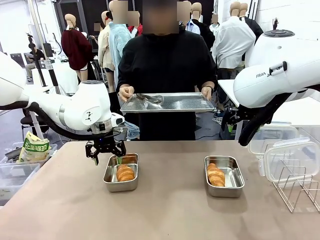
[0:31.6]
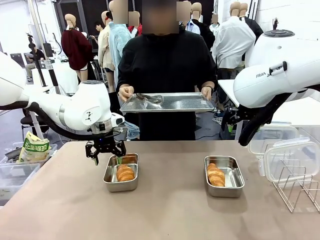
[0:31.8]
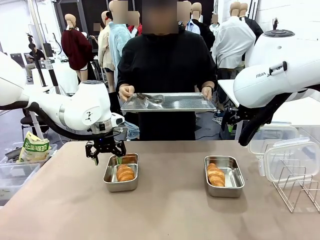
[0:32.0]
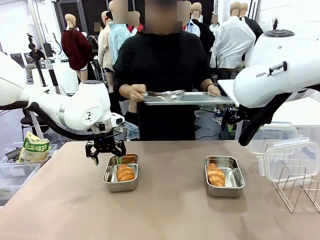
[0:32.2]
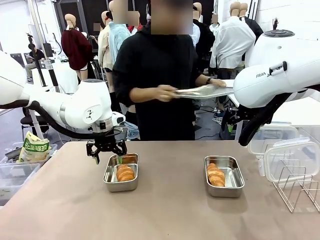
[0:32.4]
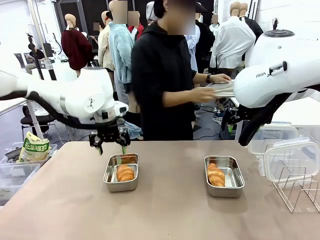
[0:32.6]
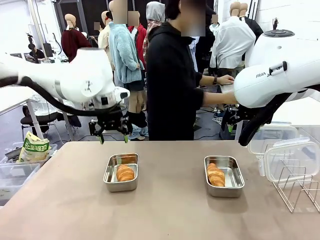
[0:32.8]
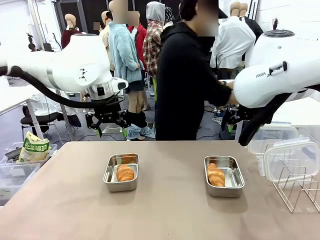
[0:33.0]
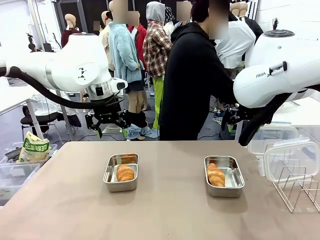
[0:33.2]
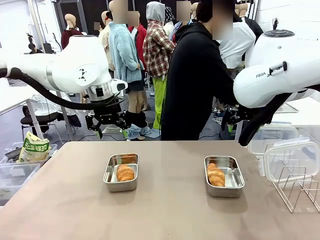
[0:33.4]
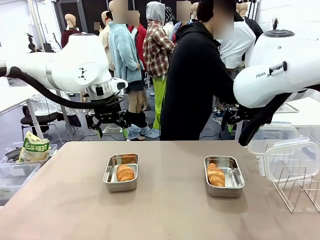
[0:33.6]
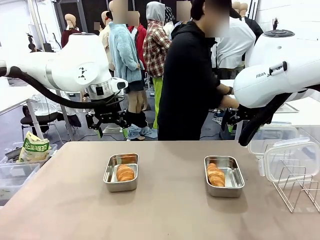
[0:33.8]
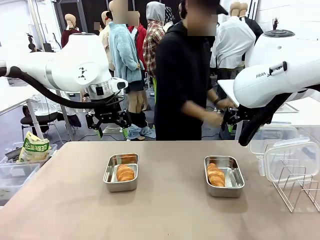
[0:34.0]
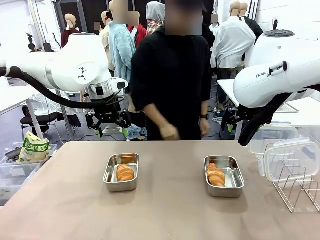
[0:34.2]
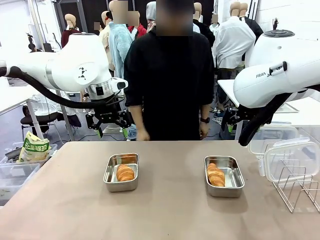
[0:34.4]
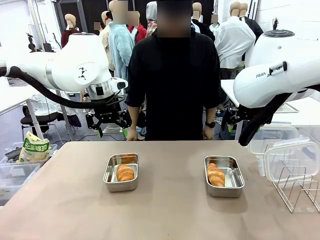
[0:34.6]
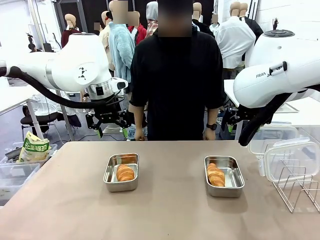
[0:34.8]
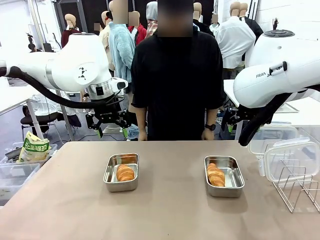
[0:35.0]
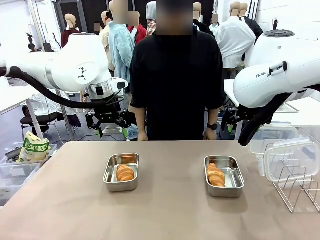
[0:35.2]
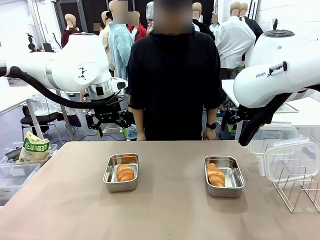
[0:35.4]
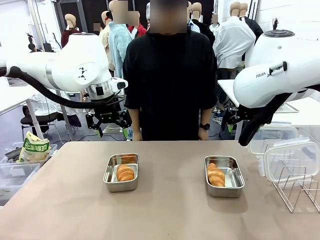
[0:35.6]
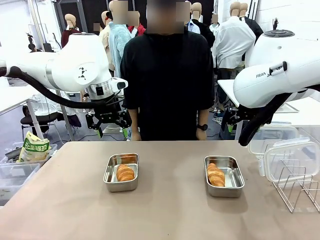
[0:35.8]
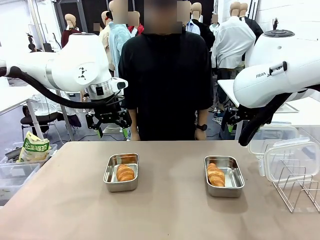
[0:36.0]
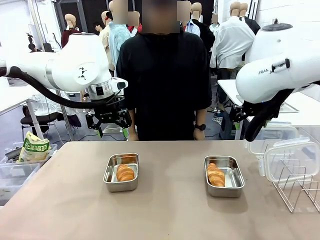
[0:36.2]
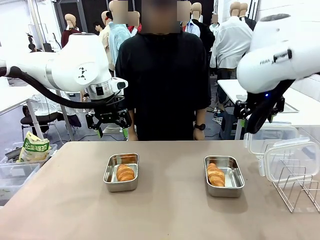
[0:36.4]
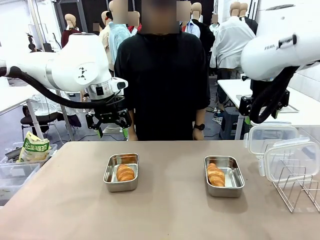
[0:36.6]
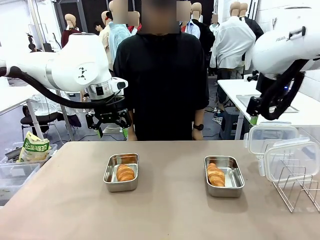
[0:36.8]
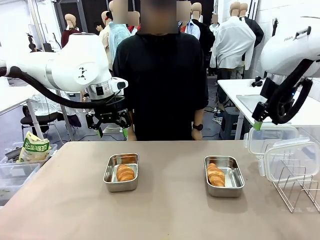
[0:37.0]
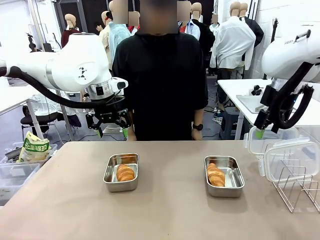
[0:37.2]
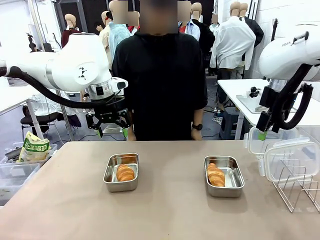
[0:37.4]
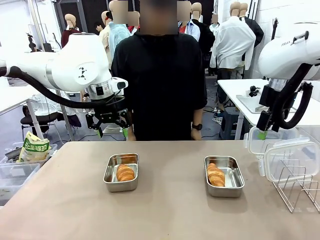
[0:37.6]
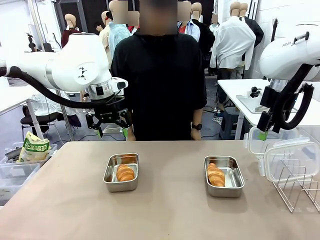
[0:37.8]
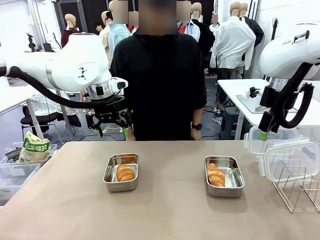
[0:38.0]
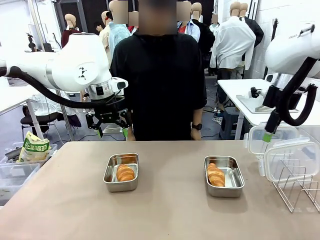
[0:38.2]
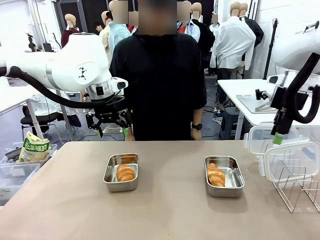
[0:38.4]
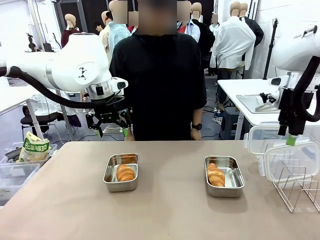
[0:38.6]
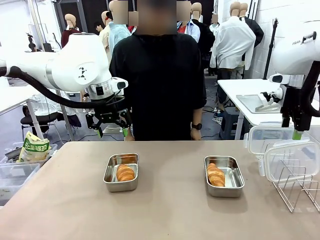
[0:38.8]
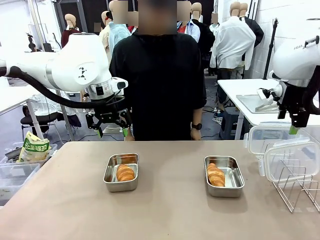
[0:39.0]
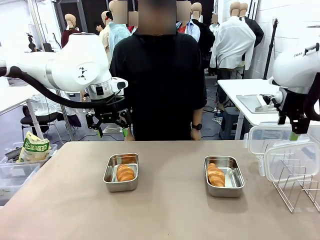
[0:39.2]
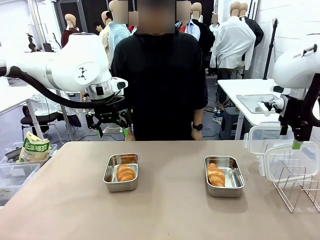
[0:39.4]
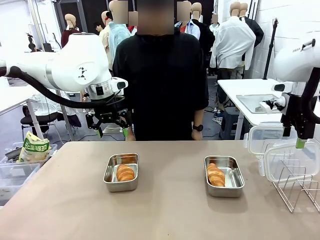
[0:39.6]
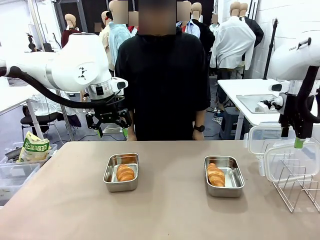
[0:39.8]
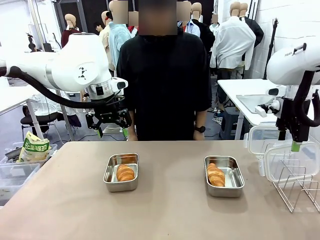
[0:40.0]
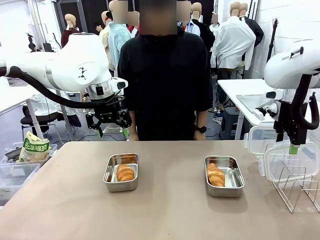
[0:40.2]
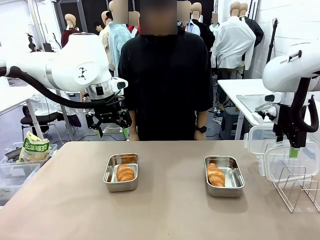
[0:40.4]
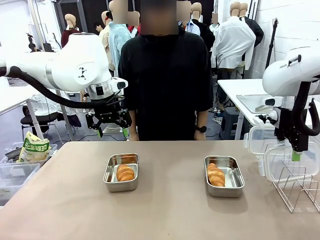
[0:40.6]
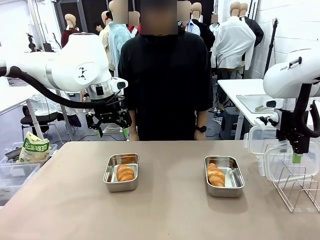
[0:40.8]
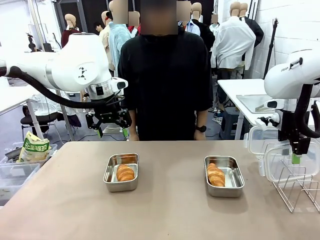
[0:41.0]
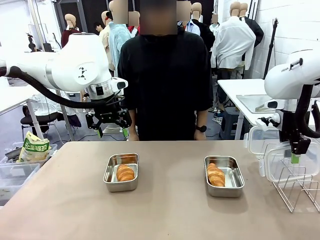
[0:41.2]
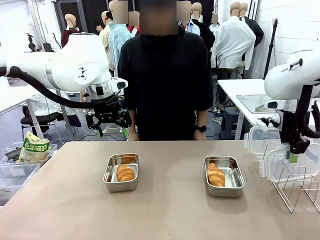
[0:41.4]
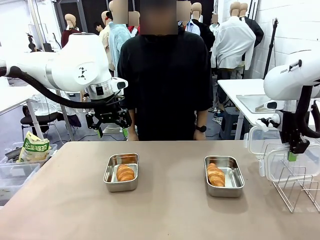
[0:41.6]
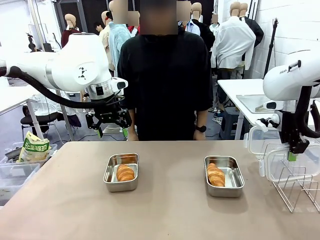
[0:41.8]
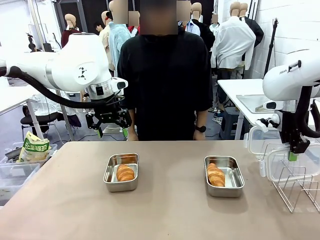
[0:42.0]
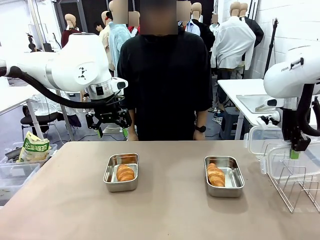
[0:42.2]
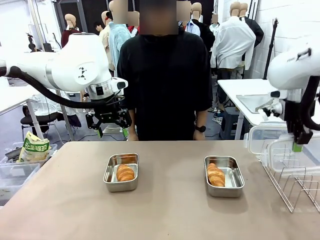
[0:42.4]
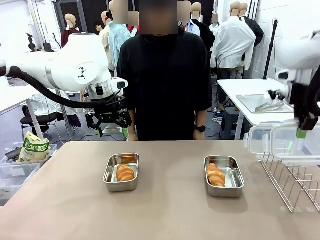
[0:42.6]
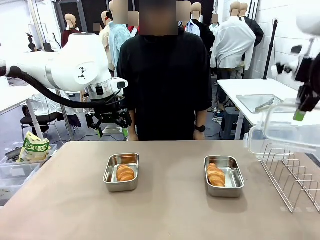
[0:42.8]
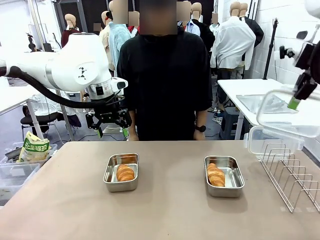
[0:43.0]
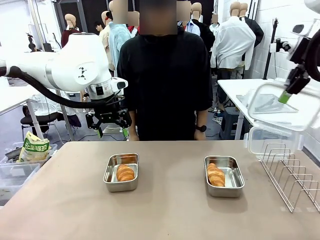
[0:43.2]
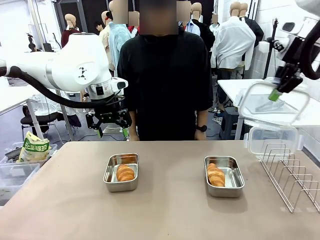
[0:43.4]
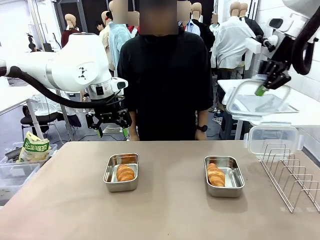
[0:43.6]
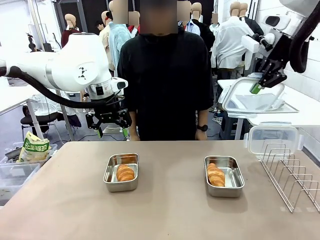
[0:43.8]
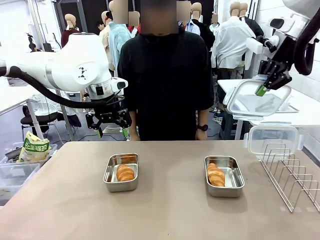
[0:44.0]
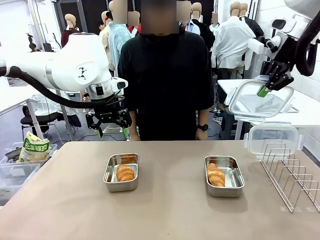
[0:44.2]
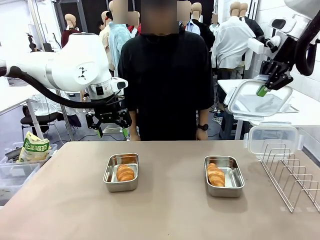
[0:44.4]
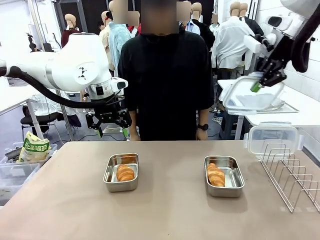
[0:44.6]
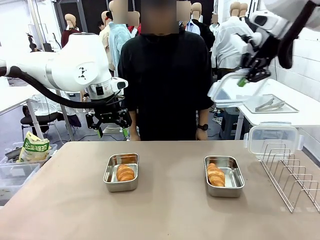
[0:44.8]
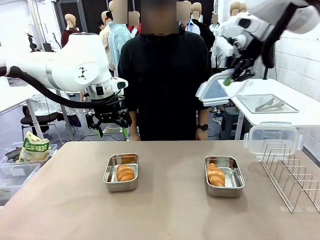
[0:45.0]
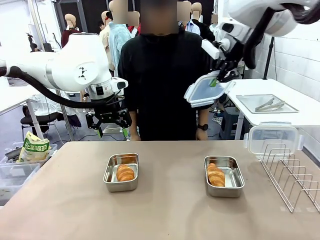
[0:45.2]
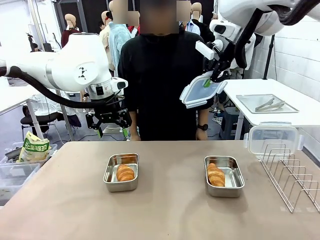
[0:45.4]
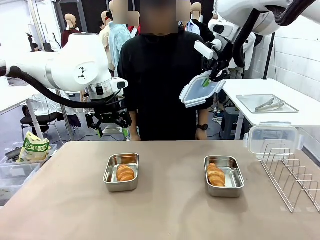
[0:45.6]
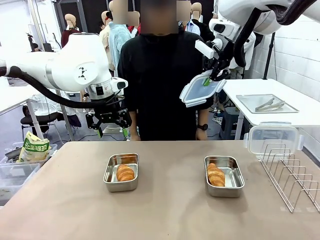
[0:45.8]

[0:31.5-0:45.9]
Task: Place the bread in airtight containers.
Robot: Pick up one Airtight Container lid and hand it to the human.
Person: Grip Airtight Container lid that robot is handing.

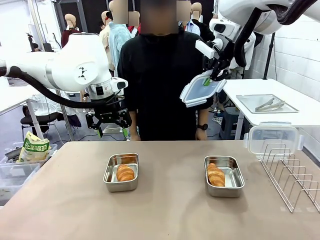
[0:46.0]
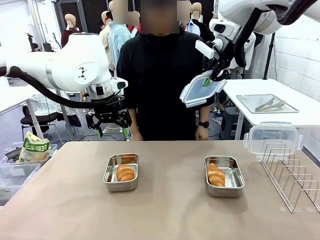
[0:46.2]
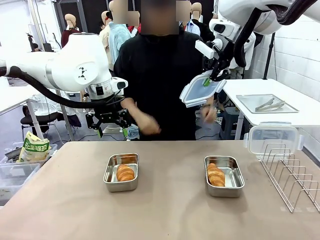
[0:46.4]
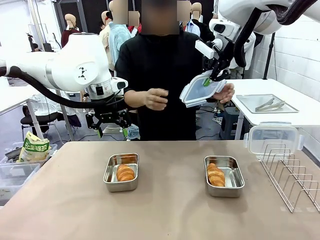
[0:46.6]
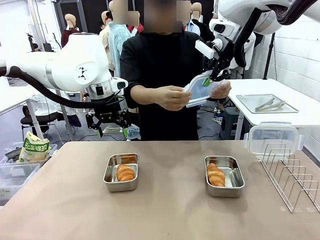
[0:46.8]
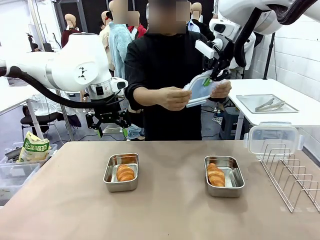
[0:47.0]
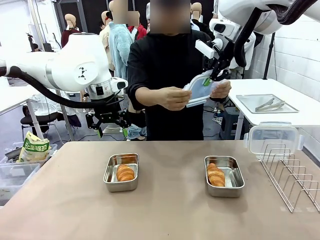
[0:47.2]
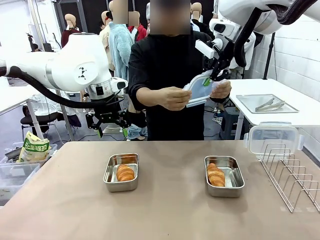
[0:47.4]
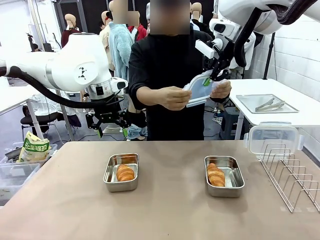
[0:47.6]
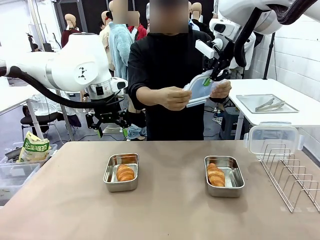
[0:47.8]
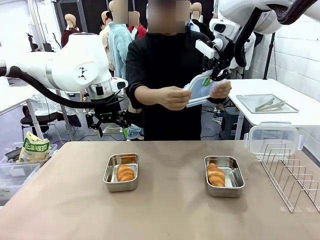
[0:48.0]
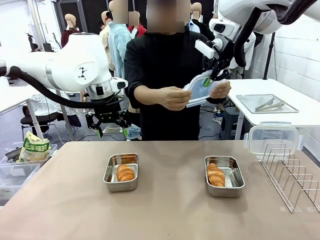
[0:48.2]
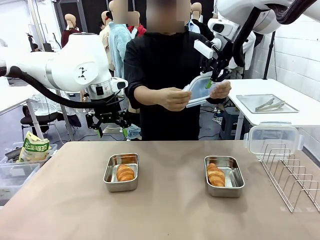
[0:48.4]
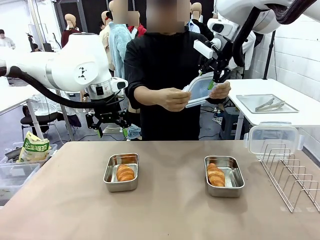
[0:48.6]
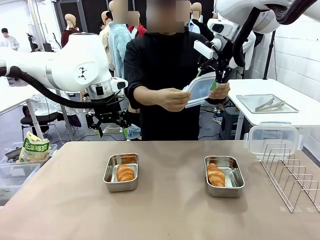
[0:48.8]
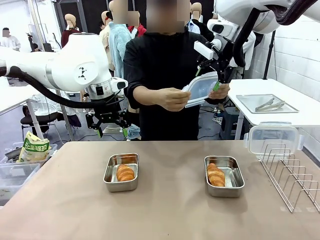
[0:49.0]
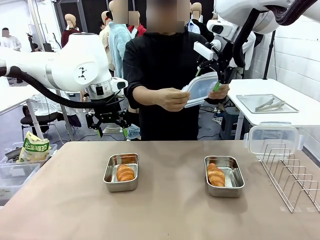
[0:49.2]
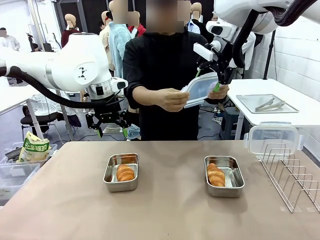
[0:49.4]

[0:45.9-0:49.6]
Robot: Release when the human grabs the Airtight Container lid.
